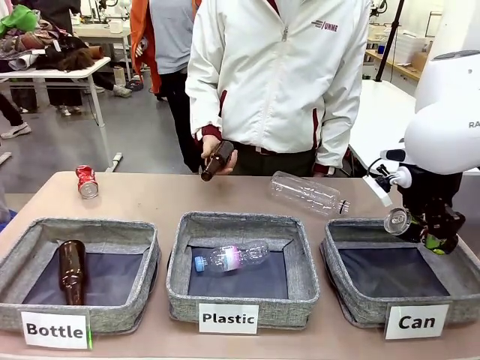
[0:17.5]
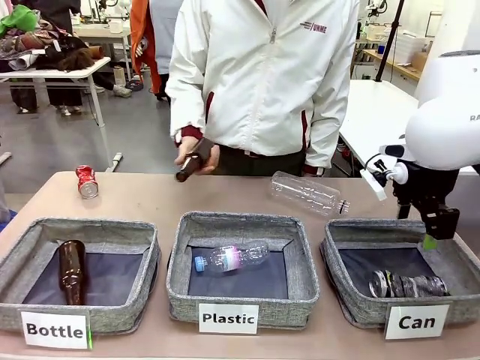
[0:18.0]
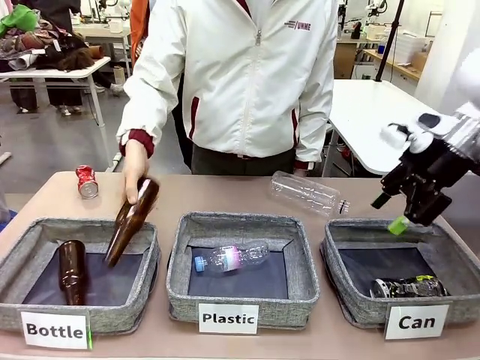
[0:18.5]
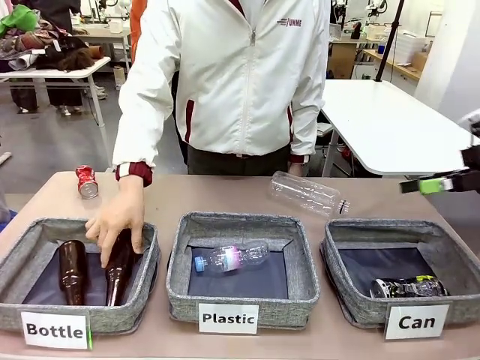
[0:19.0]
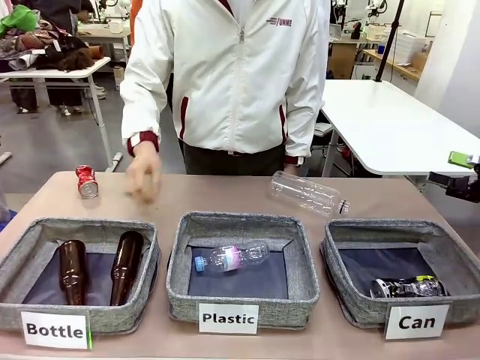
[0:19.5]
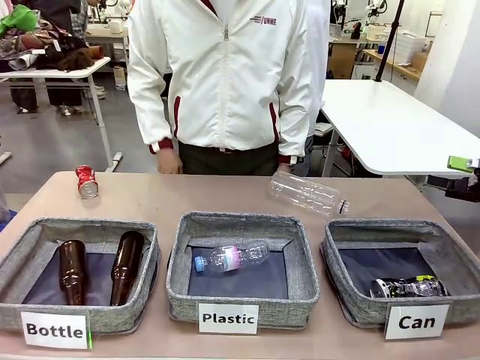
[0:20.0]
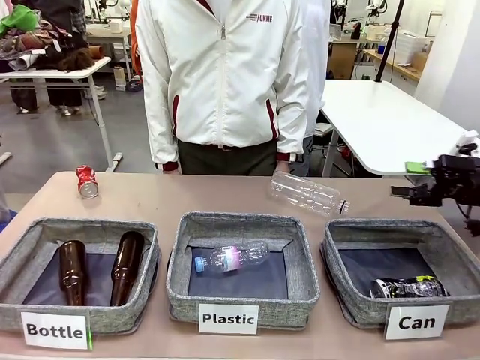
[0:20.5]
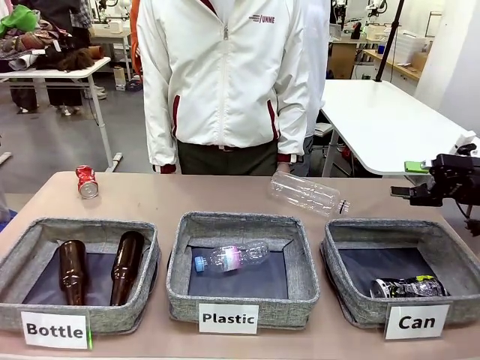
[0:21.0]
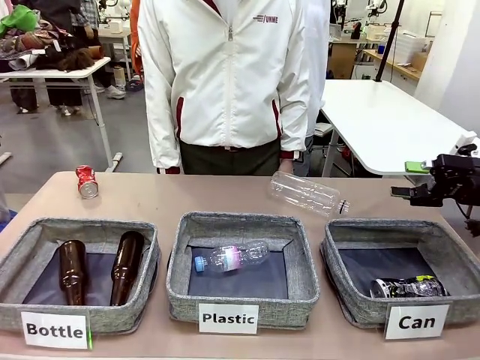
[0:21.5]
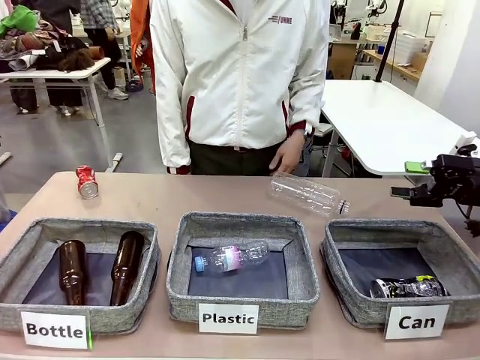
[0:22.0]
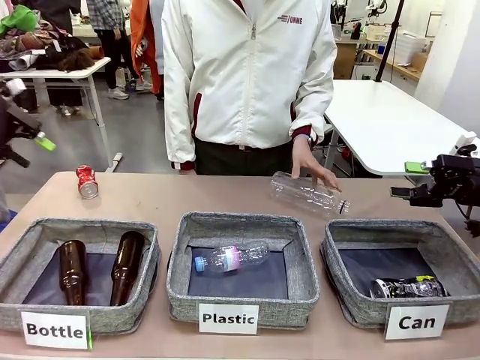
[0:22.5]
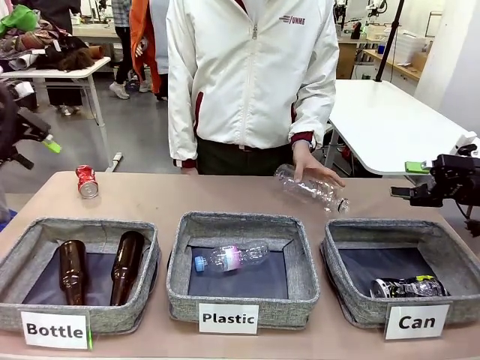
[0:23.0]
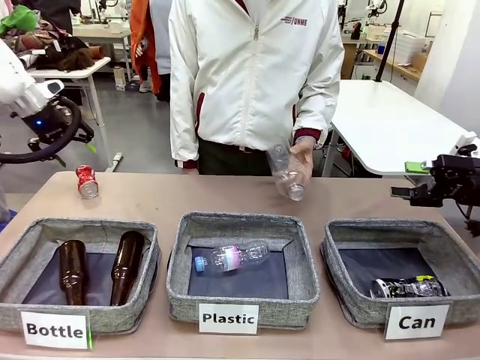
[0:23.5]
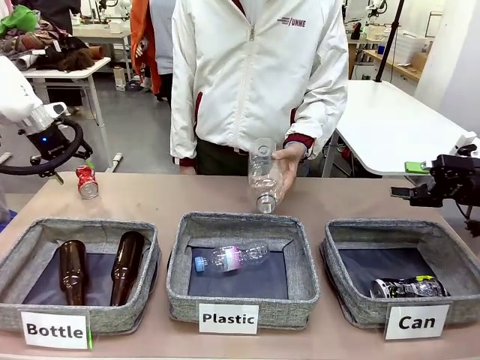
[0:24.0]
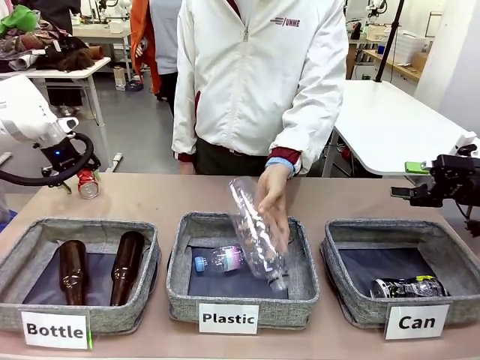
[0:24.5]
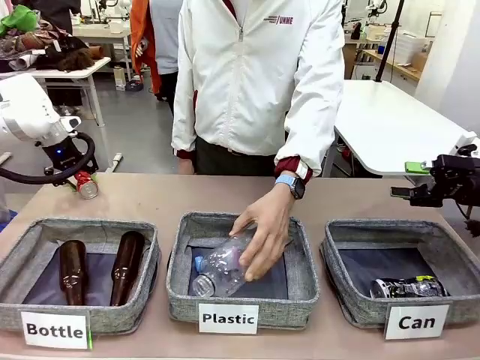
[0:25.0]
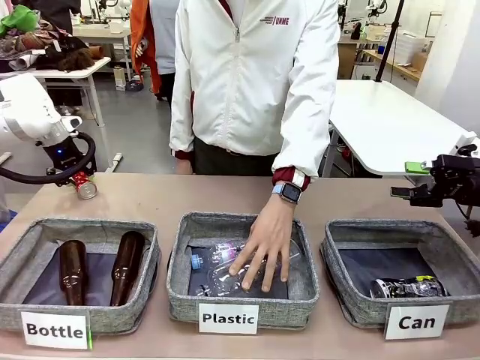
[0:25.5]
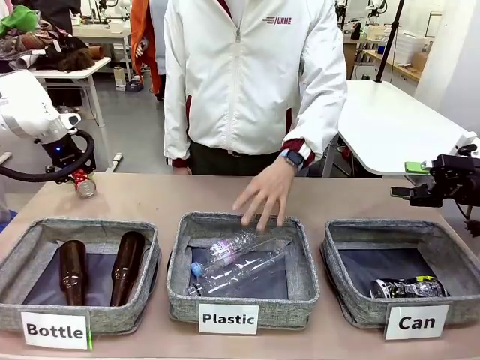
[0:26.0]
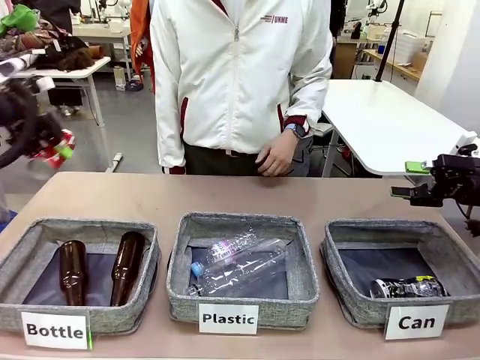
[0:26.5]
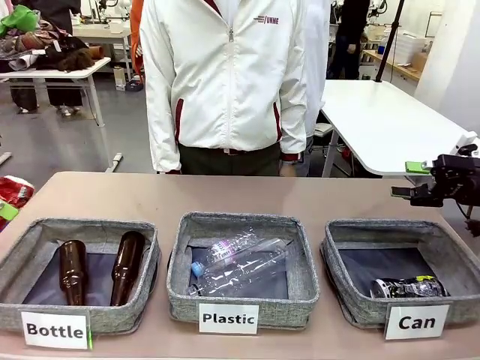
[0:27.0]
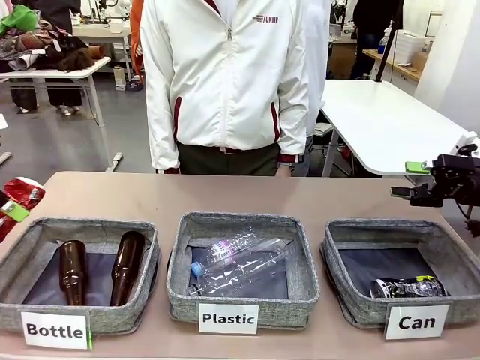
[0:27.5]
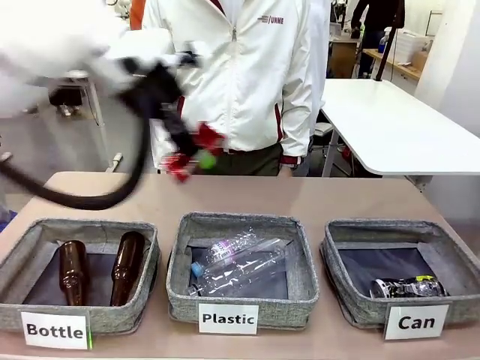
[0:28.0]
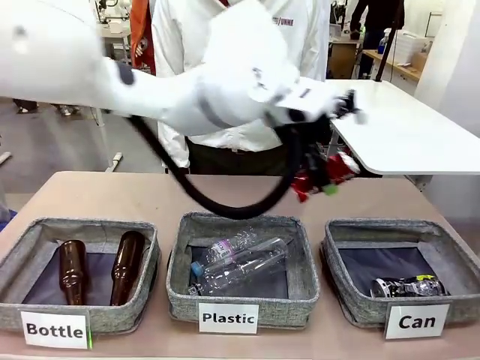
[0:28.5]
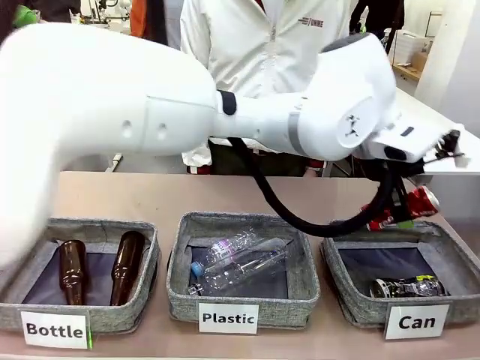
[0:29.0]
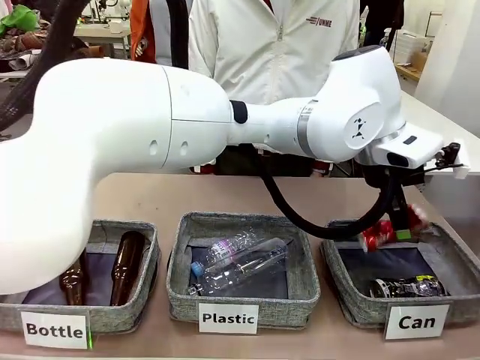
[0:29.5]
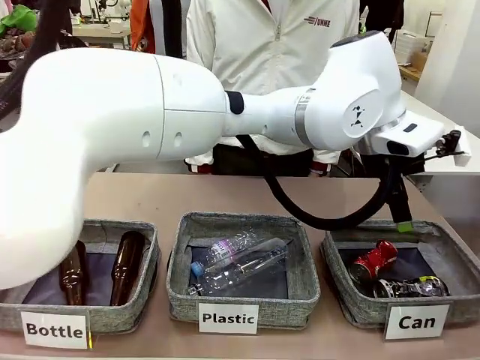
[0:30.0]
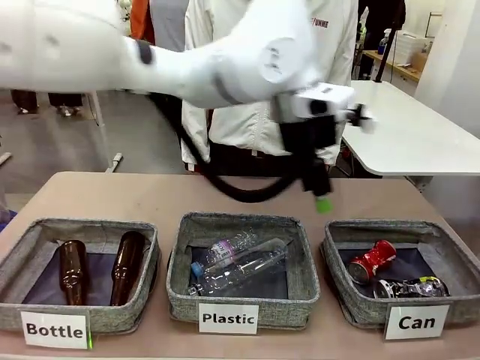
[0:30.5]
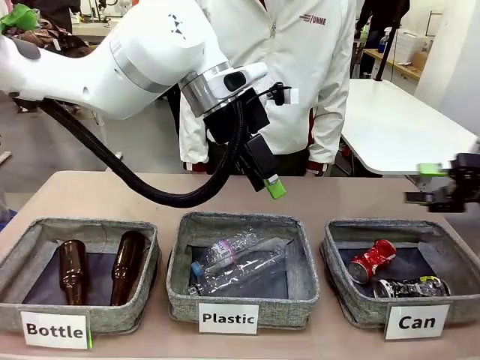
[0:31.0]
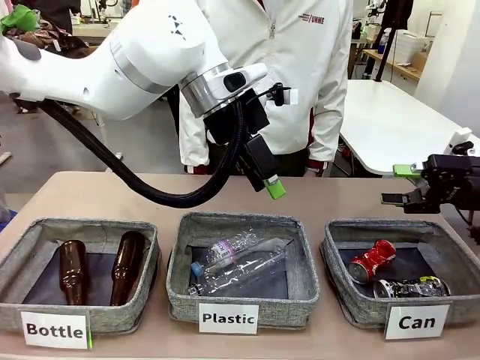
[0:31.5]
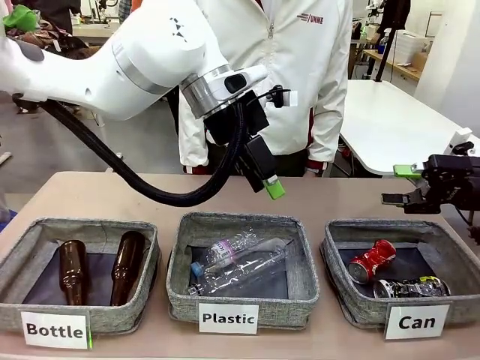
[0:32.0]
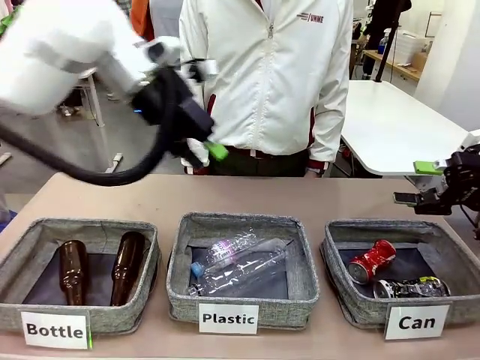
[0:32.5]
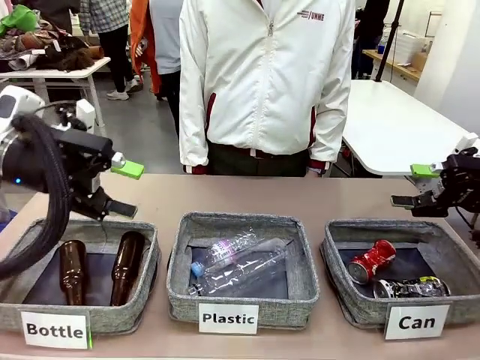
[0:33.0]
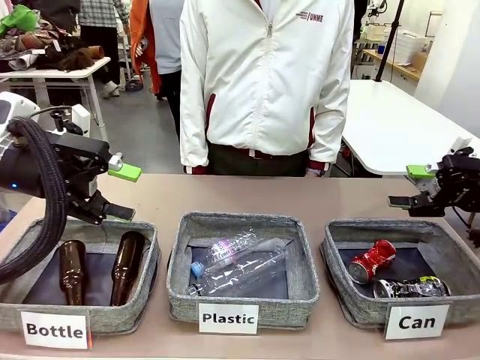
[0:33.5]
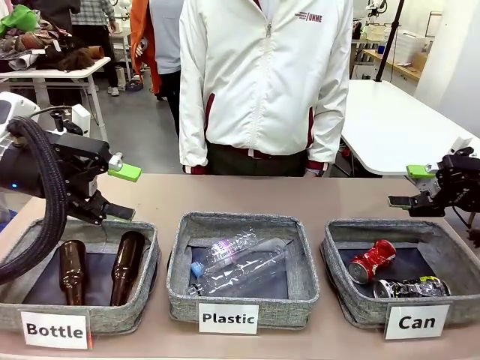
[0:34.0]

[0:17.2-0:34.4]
Task: Sort the can waste into the basket.
Robot: Pick up the can waste from the table and place it in the right Fabric basket.
